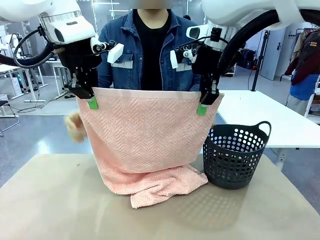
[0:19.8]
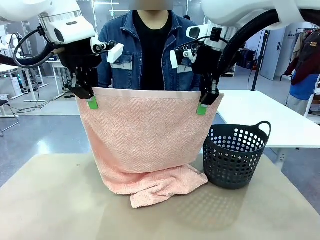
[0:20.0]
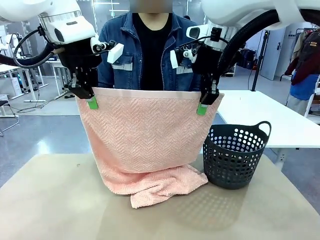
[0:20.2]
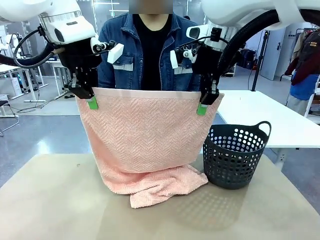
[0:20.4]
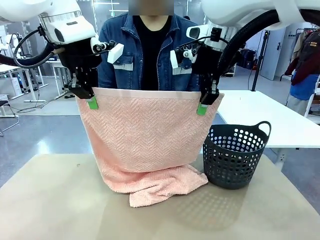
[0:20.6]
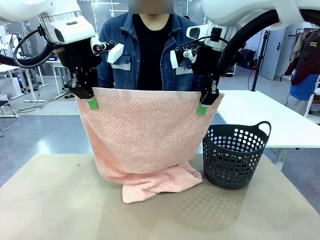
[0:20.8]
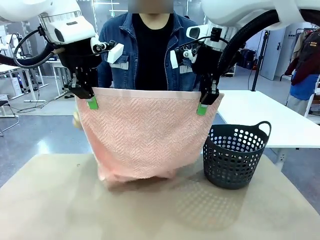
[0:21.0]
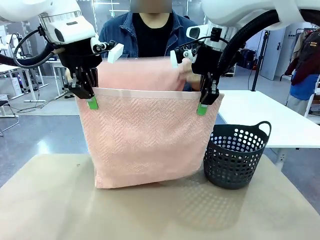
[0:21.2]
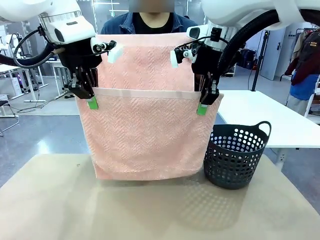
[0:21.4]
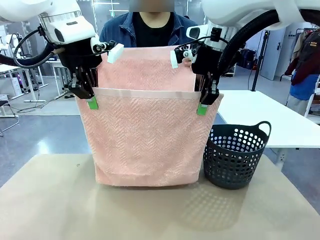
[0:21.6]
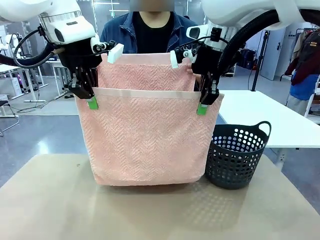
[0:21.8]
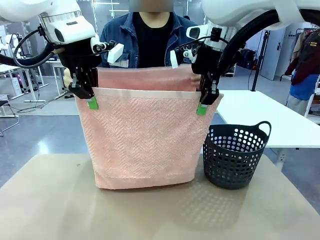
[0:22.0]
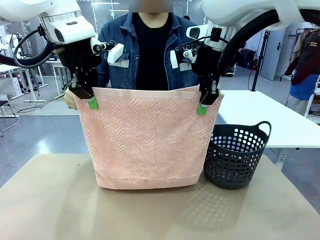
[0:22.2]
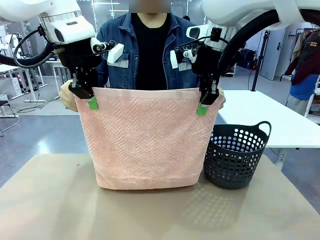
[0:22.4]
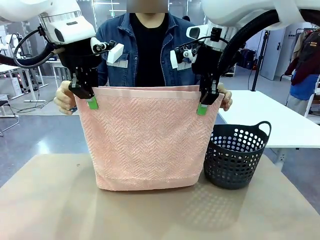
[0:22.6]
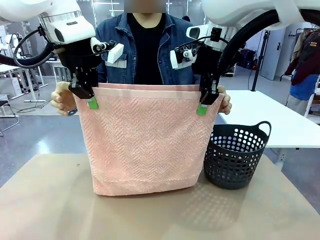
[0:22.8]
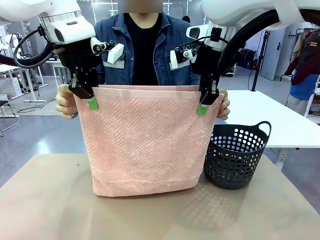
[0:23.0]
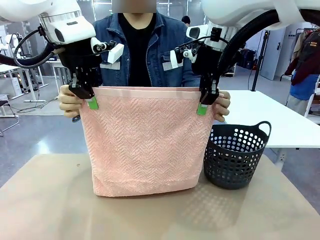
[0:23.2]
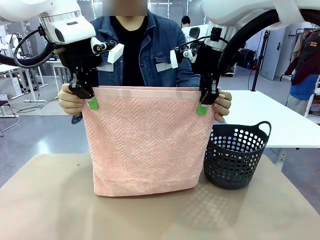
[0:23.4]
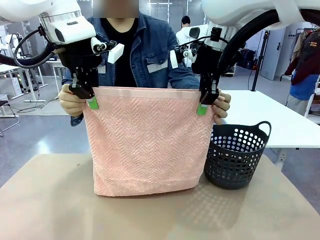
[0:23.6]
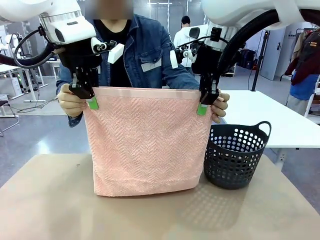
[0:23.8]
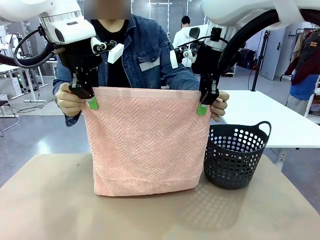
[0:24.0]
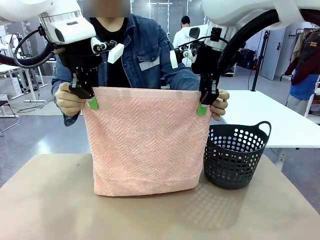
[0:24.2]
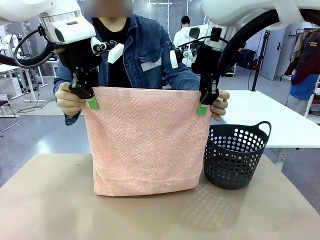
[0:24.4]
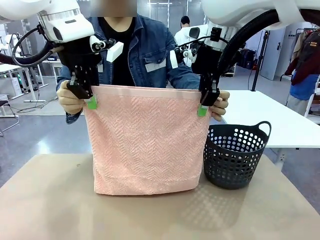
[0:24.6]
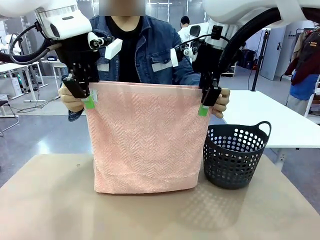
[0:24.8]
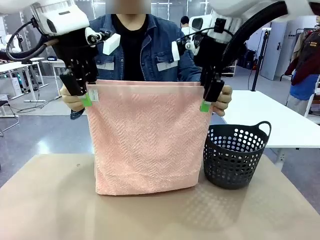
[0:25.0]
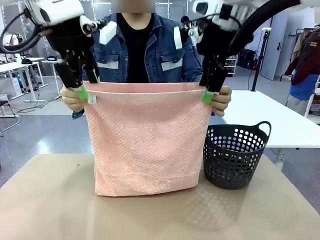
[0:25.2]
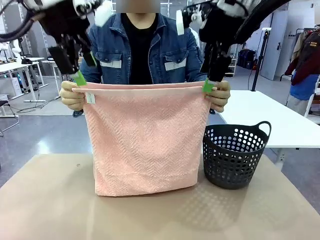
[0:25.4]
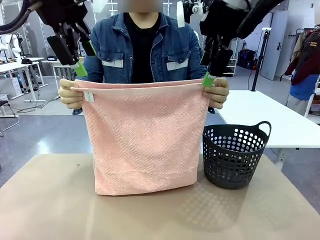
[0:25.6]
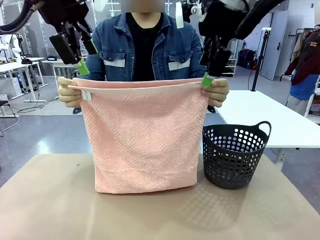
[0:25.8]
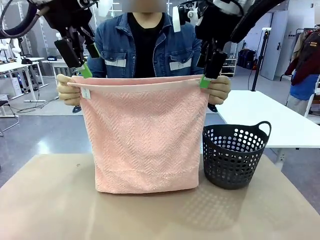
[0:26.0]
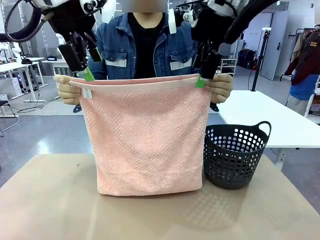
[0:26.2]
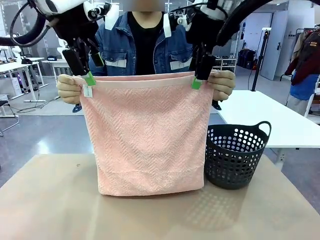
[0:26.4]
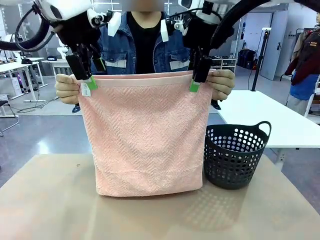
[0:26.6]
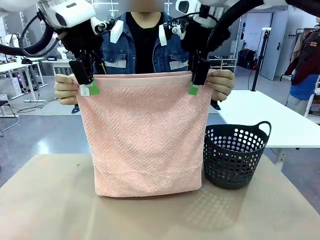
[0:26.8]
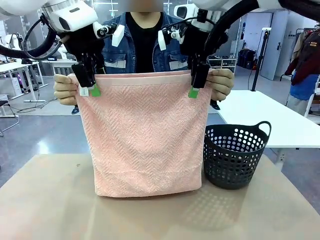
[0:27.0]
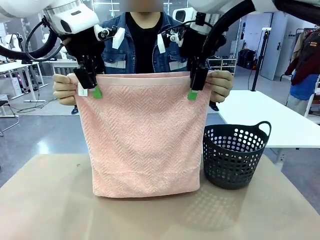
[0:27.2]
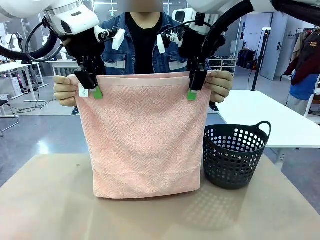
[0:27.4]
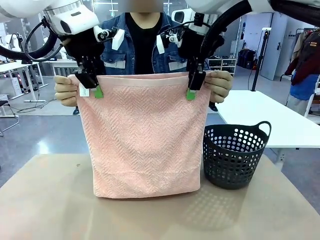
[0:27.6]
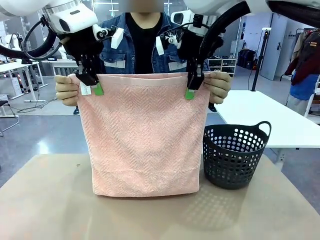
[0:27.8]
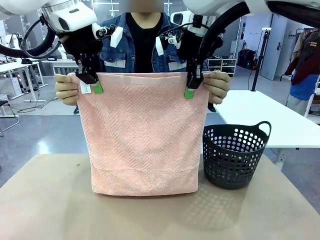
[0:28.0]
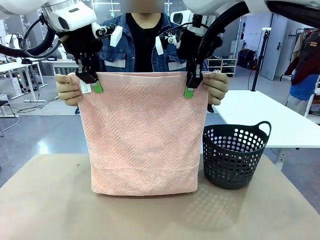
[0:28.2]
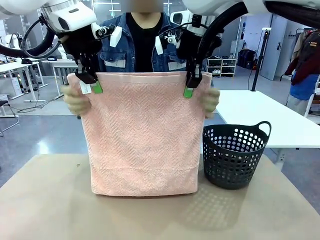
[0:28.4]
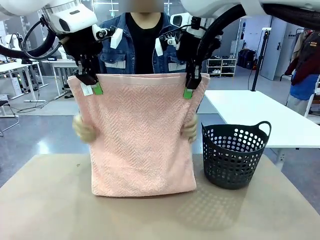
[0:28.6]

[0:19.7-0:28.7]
Task: Fold the towel.
Robot: Release the end of the 100 cm Hotel Towel you were holding and grab the top end of the folded side.

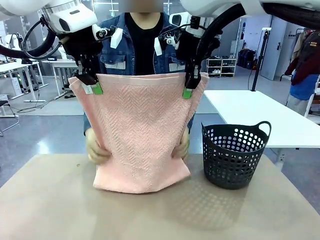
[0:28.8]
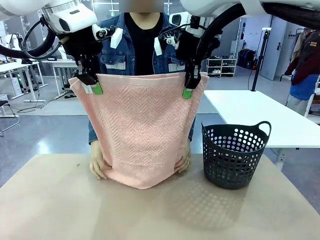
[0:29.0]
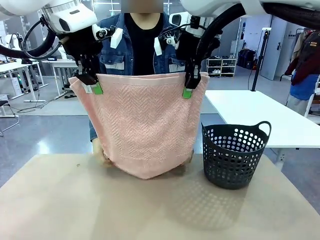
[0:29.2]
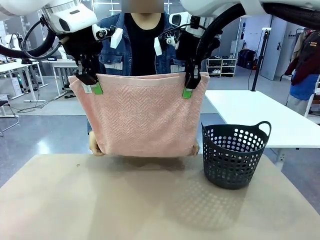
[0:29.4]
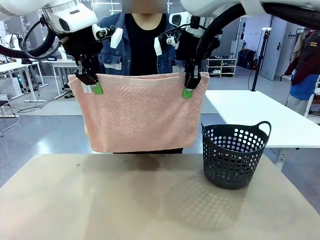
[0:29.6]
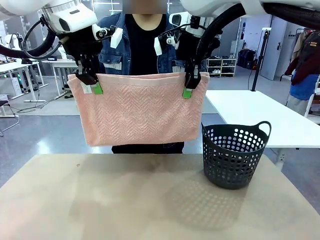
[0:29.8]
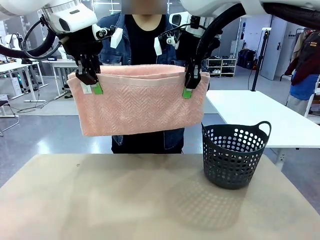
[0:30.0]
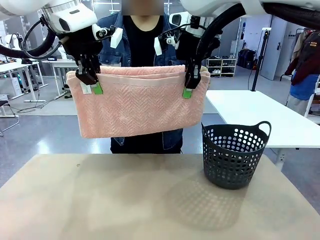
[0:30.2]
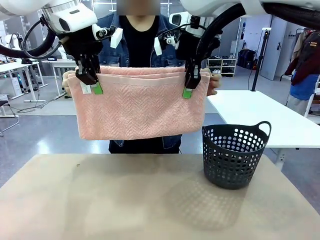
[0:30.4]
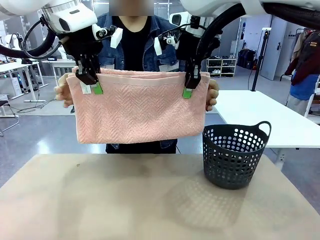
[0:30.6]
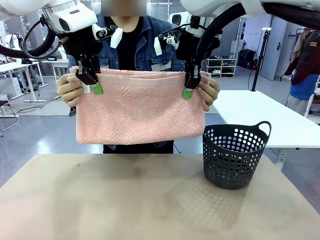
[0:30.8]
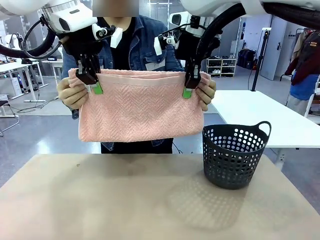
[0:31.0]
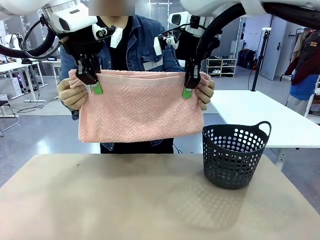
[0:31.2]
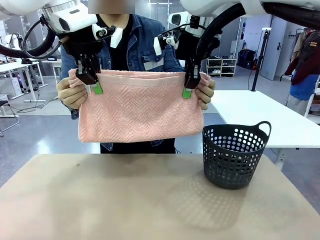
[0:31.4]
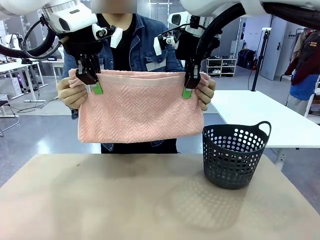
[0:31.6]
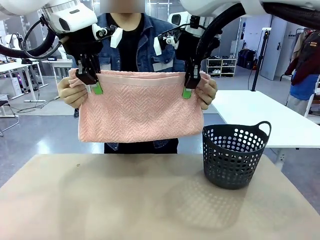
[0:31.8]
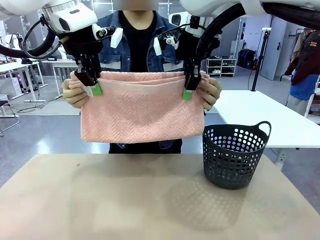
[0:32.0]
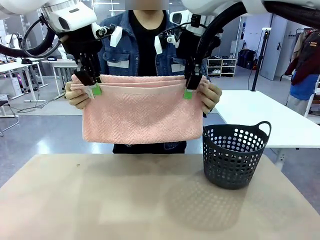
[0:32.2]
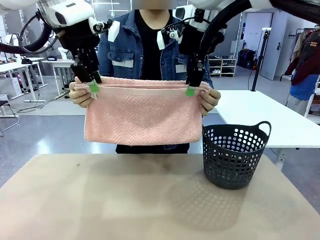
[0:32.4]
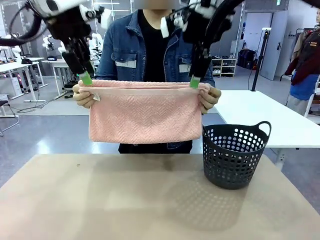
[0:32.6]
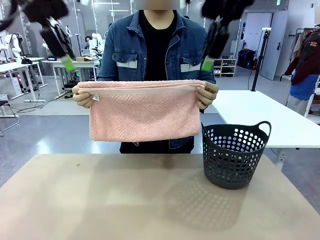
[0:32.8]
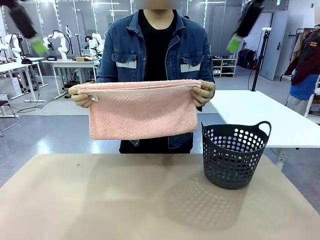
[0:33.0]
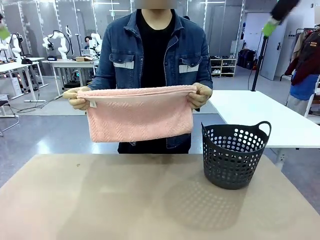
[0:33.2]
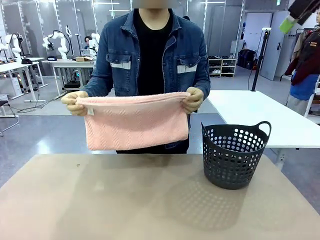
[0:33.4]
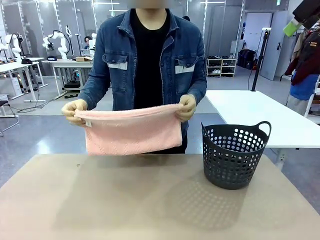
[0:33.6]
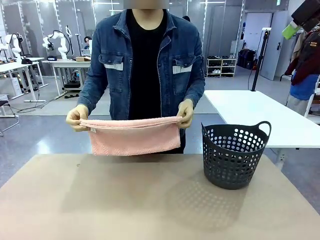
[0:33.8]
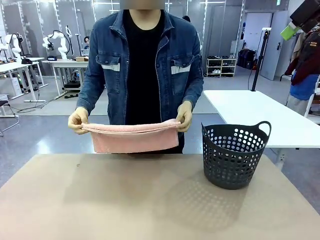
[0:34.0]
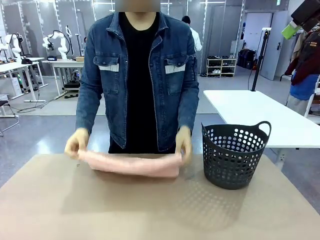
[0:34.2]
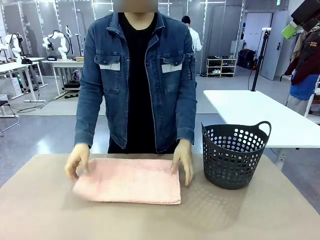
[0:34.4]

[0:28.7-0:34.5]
Robot: Release the end of the 100 cm Hotel Towel you were holding.
